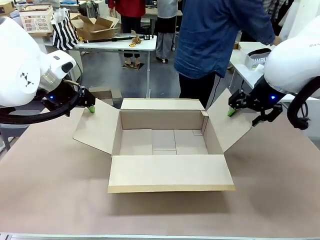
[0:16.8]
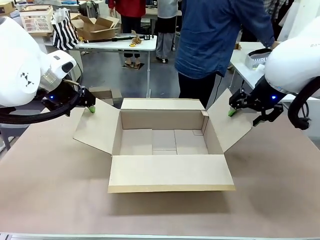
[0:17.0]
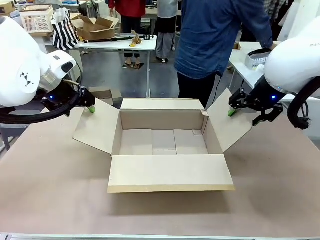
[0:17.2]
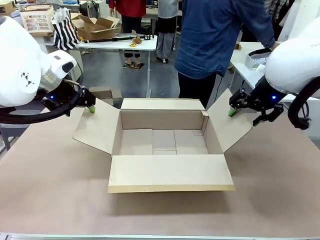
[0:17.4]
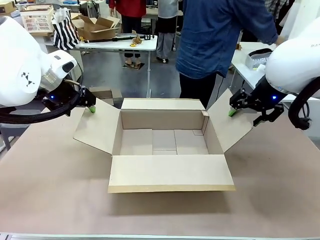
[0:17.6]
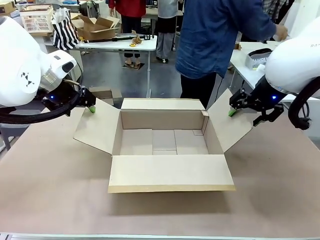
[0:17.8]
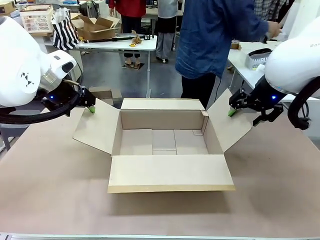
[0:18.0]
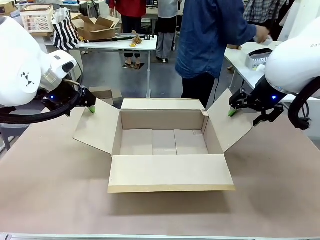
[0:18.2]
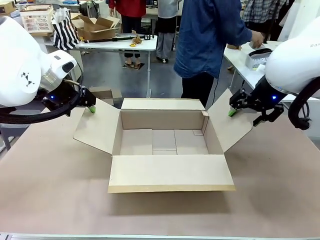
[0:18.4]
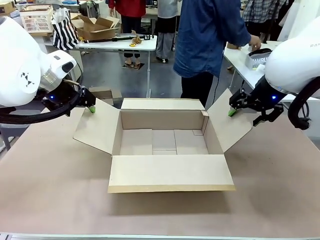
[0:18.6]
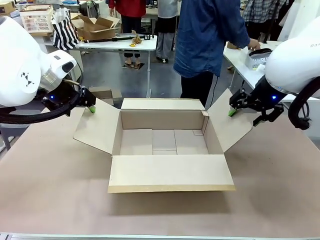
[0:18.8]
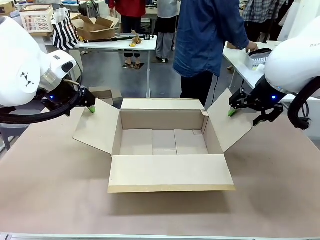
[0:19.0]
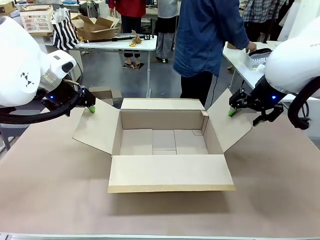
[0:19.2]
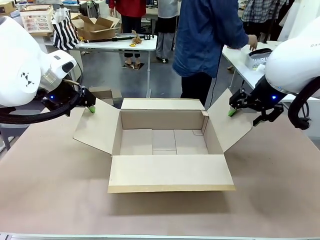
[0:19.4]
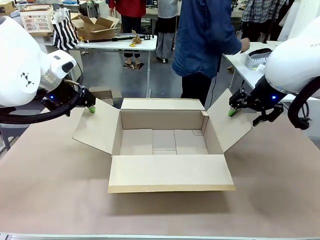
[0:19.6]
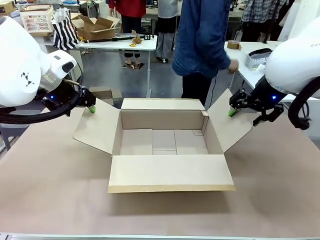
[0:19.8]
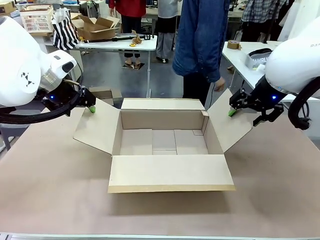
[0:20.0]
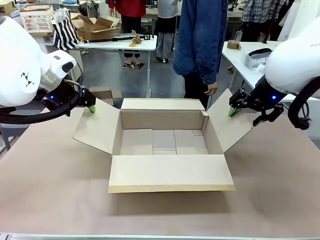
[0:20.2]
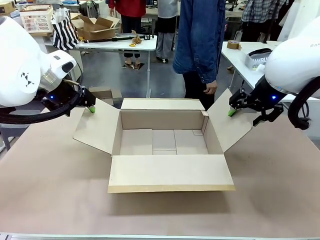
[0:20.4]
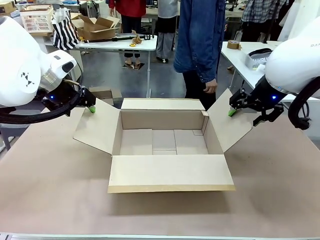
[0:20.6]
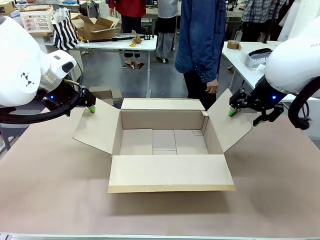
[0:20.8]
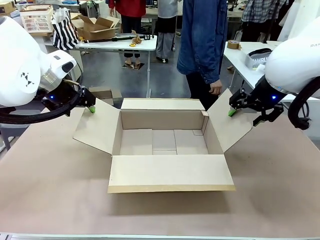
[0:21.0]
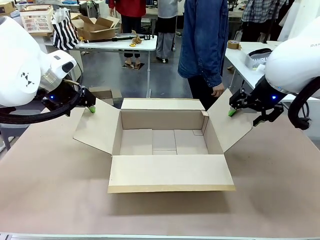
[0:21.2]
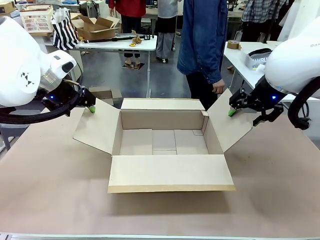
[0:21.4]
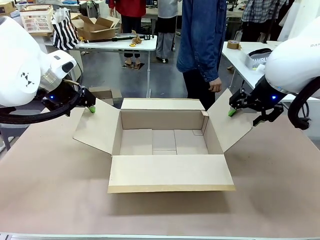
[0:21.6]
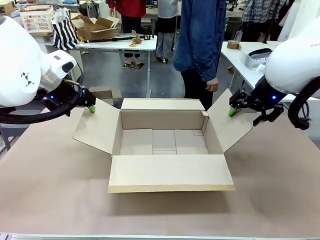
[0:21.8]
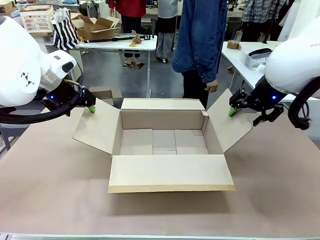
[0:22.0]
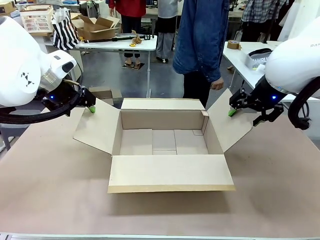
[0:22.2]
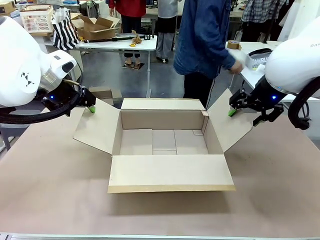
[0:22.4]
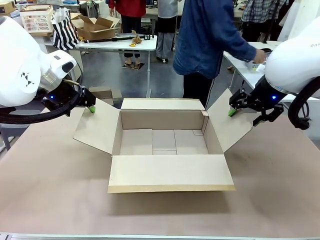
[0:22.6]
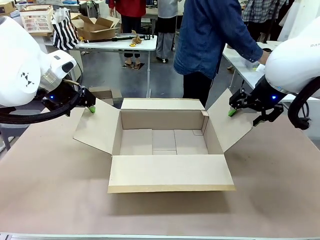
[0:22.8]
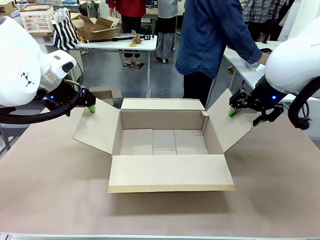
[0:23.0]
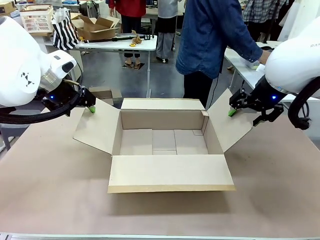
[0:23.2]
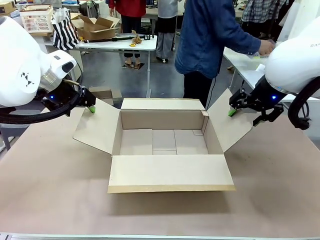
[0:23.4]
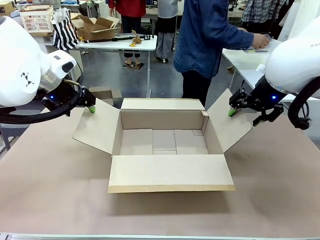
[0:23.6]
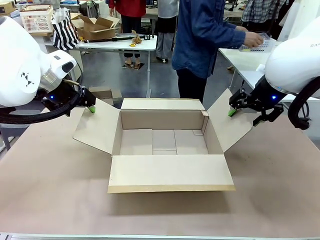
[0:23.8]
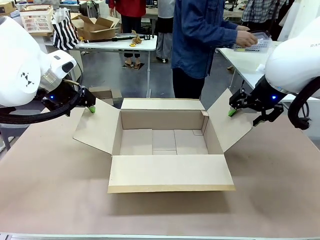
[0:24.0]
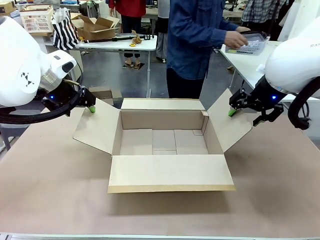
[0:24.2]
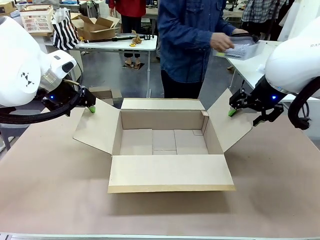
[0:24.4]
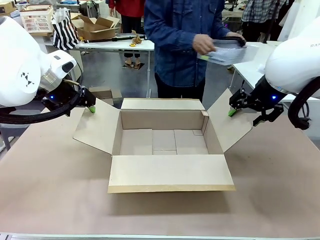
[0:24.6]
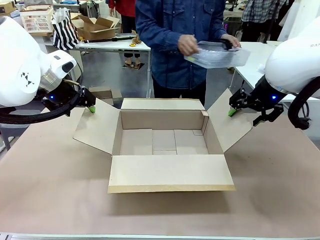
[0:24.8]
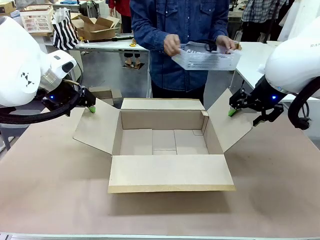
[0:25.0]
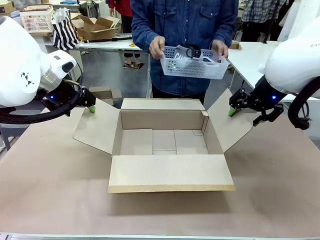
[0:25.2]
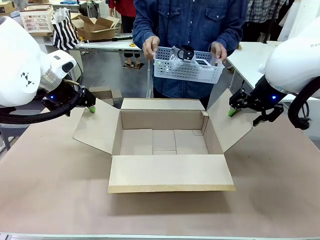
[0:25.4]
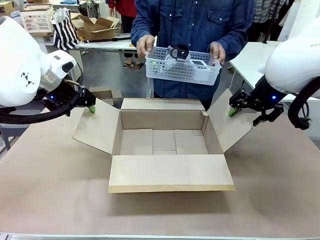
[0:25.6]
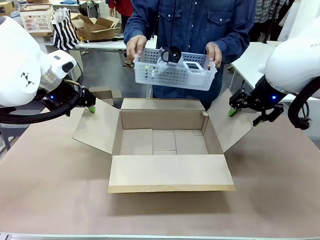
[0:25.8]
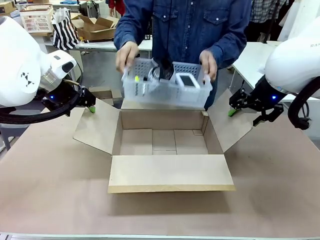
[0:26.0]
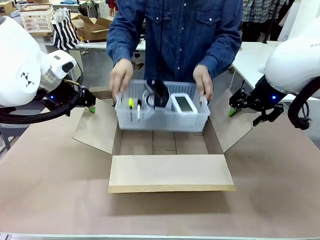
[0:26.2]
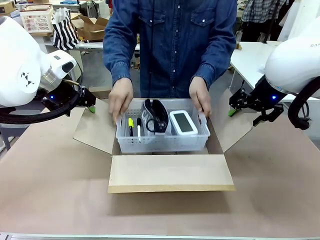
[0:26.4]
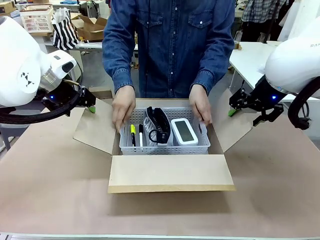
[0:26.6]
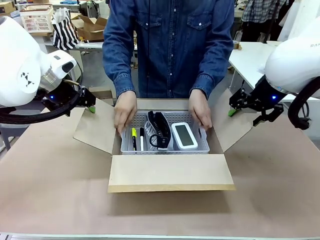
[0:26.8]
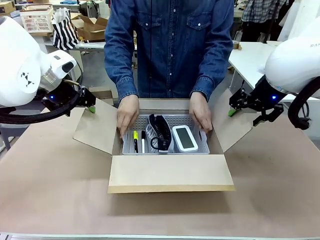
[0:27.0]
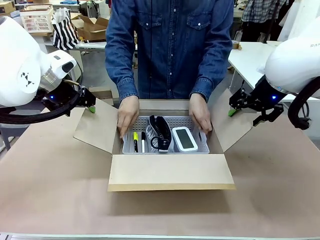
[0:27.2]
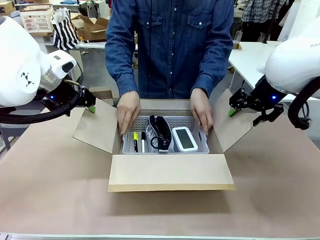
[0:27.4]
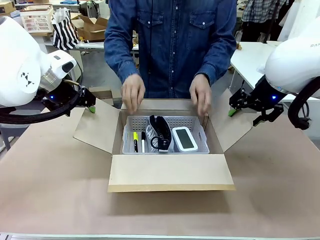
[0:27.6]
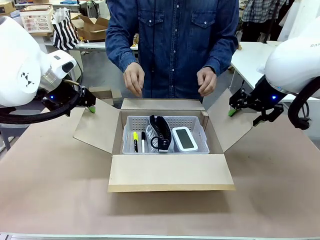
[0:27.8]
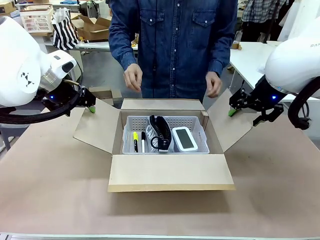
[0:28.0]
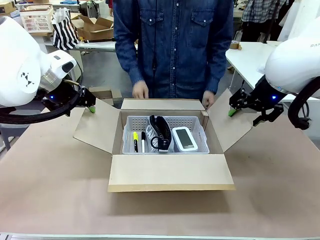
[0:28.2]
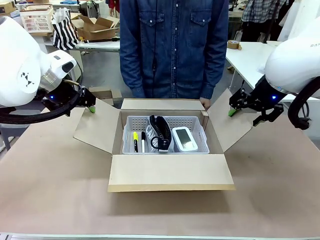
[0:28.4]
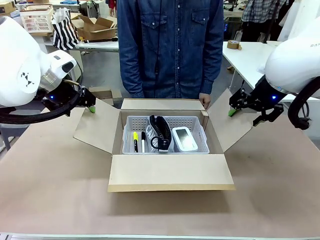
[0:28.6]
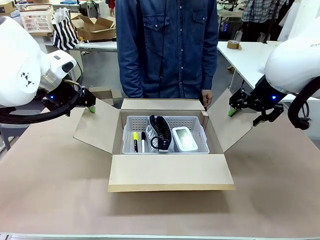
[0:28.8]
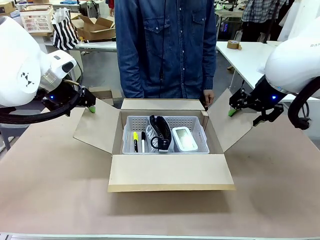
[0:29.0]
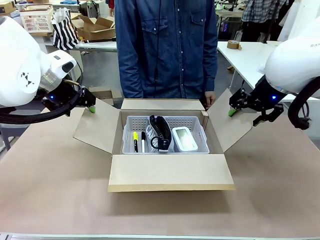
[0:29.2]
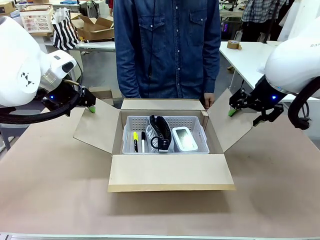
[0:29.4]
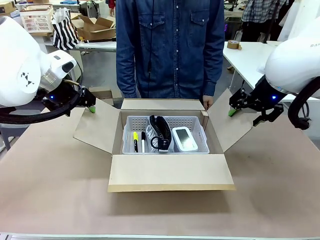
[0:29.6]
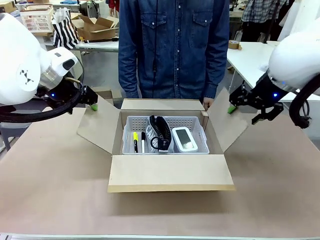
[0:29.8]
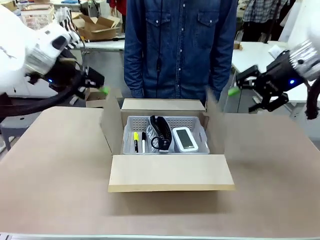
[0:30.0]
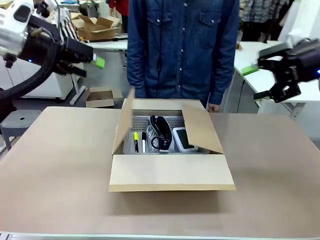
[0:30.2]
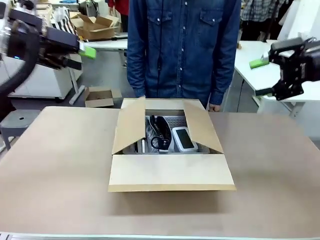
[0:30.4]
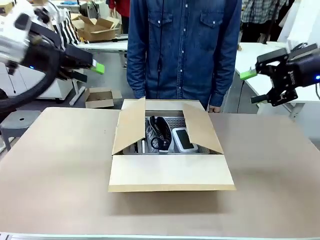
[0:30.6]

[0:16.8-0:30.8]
Task: Pack the gift set into the box.
Robot: Lift both hands away from the flaps of the Package Box.
Person: The human picks up the organizing basket and places the organizing basket into the package box on the robot table.
